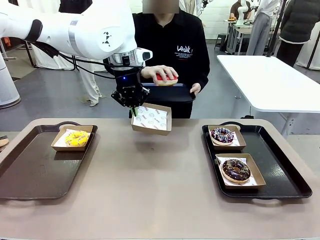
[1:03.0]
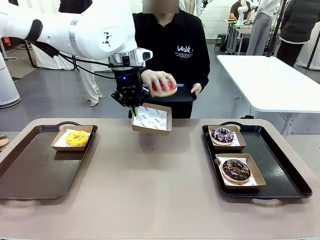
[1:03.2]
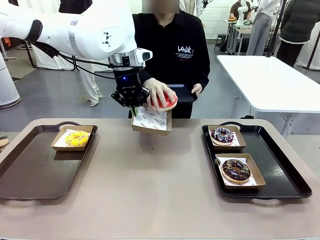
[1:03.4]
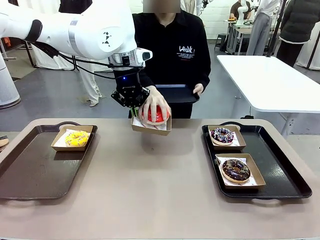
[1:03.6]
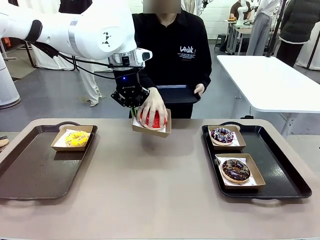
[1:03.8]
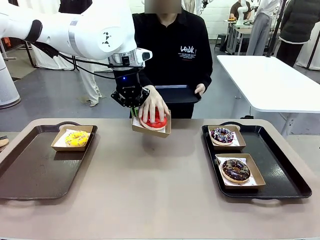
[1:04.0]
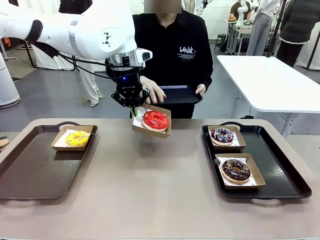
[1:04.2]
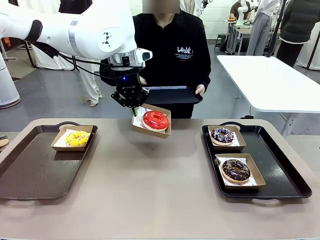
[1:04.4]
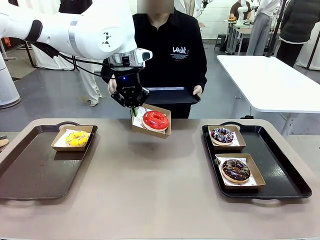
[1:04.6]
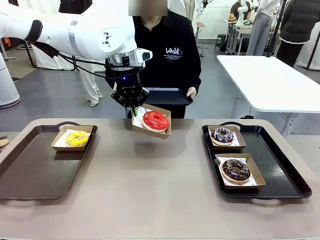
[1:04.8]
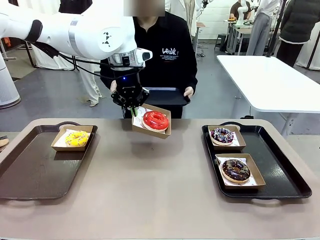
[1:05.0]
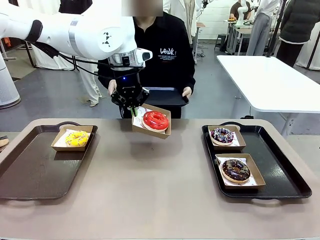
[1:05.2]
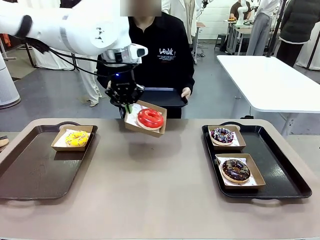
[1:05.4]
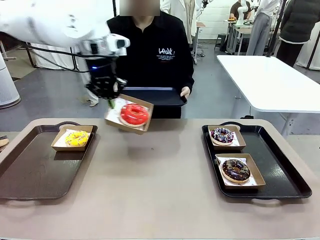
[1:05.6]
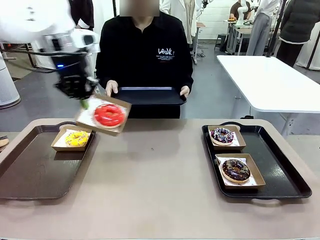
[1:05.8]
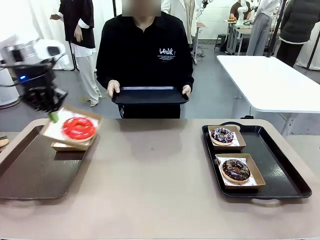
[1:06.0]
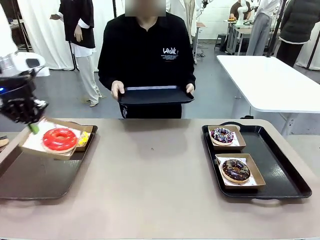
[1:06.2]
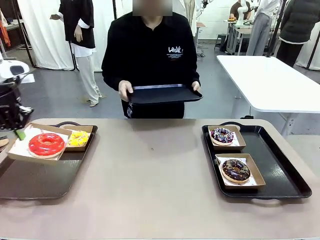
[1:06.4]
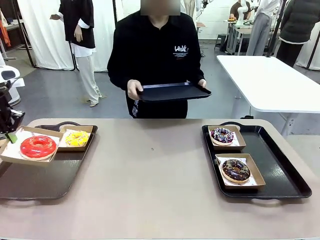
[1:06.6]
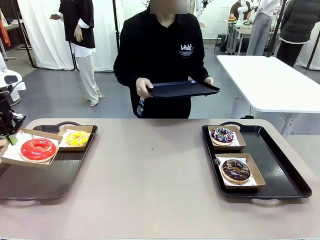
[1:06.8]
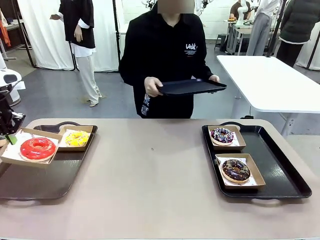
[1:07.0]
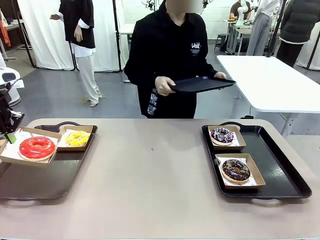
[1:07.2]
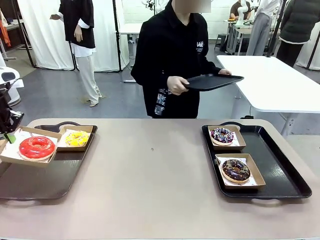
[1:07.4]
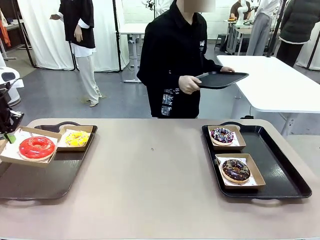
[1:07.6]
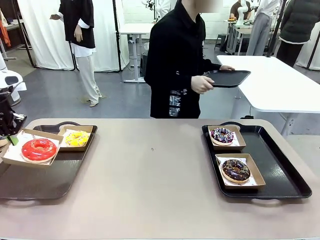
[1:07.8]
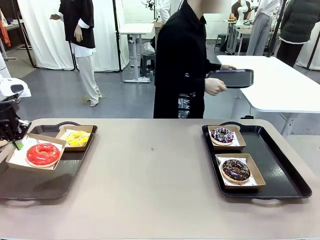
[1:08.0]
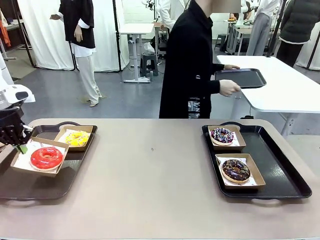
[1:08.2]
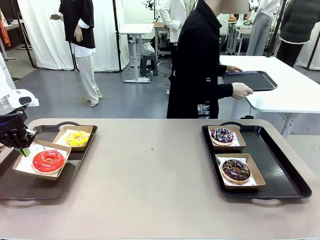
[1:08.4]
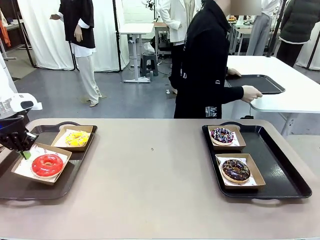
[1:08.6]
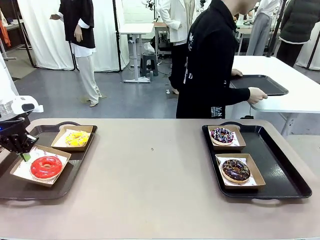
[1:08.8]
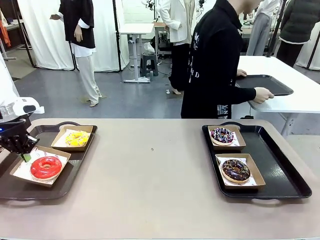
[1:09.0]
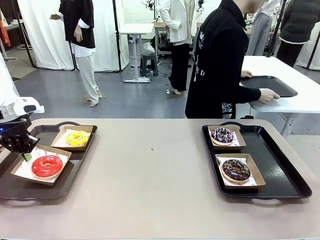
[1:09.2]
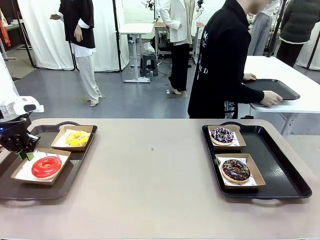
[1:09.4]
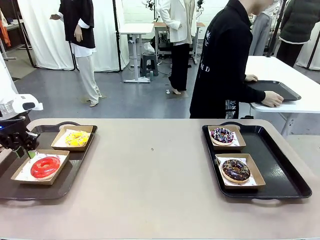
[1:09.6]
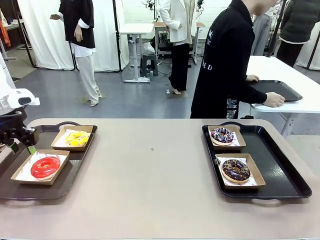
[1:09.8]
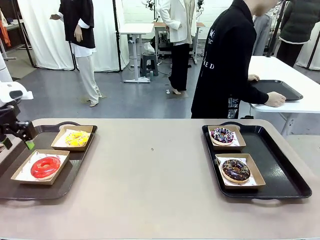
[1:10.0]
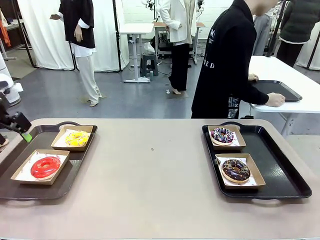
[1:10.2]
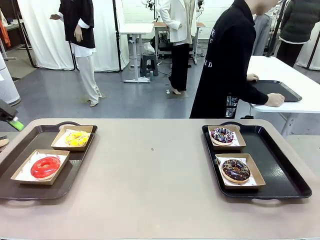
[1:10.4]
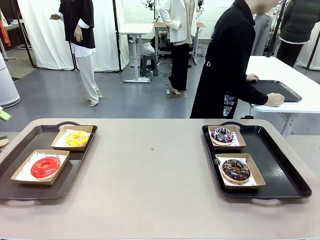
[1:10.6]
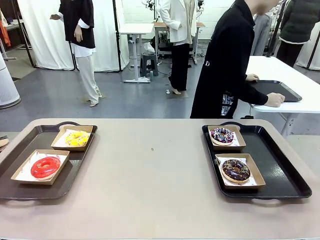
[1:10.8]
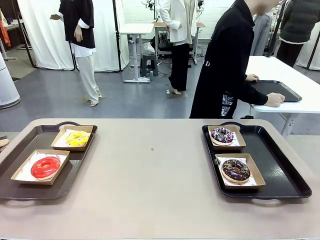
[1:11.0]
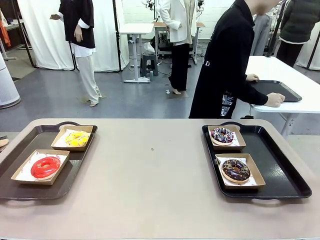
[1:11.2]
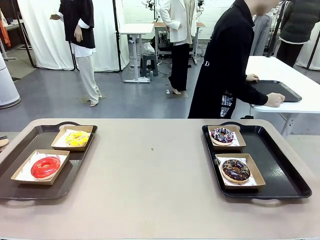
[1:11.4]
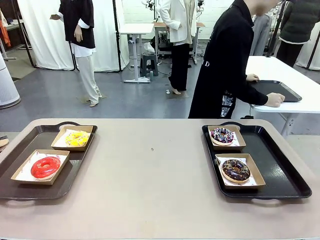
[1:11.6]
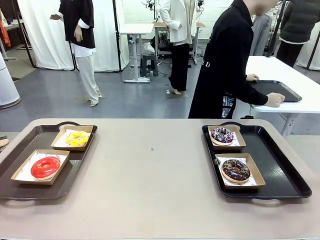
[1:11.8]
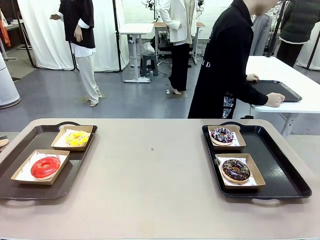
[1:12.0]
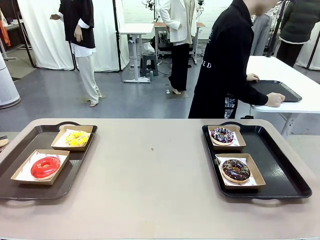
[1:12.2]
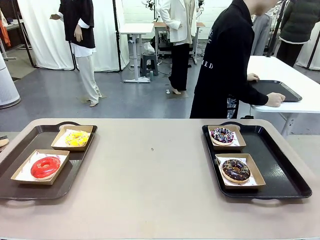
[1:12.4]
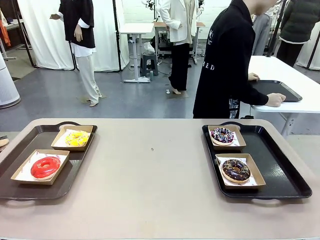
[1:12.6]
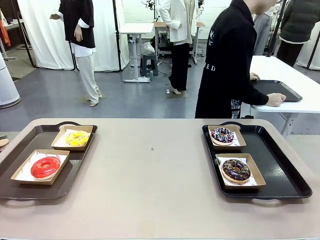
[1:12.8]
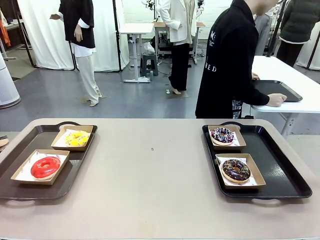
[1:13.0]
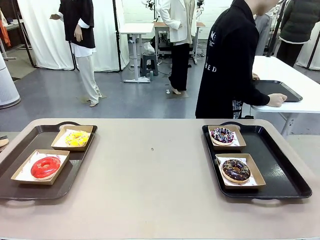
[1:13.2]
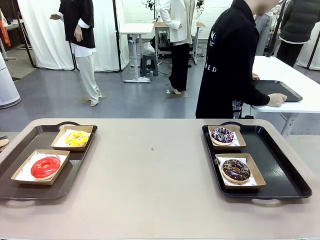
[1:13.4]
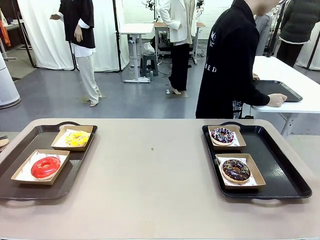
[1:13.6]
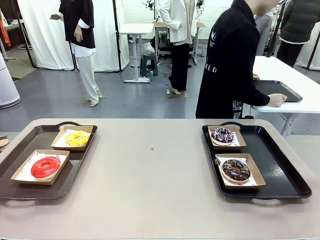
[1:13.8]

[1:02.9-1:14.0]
Task: Individually package the donuts and arrange them on the tray.
Robot: Place the picked Paper togo box on the Handle tray.
Person: Place the tray down in the middle of the human table.

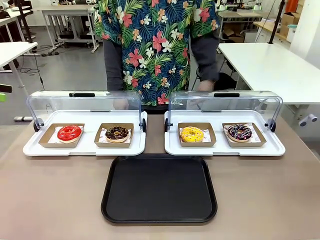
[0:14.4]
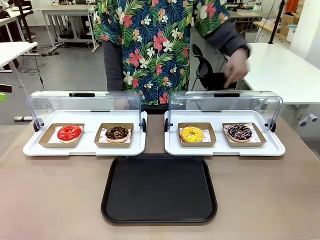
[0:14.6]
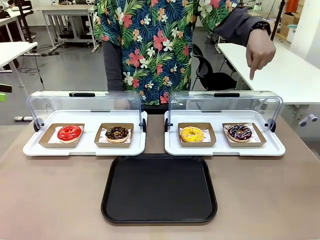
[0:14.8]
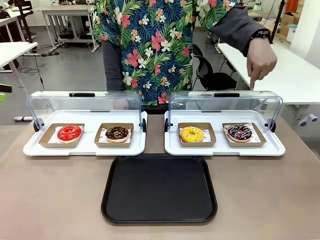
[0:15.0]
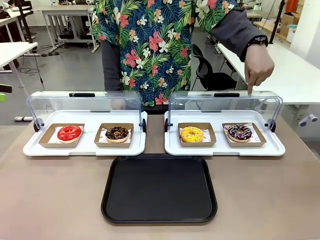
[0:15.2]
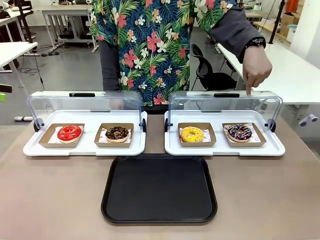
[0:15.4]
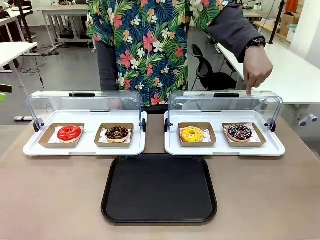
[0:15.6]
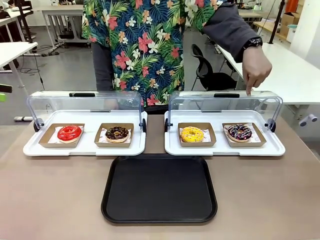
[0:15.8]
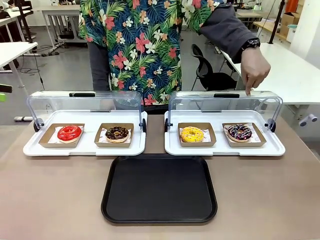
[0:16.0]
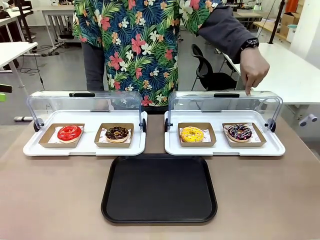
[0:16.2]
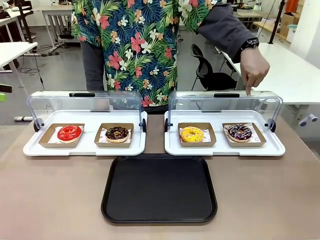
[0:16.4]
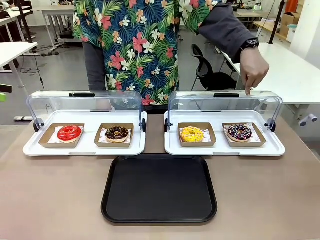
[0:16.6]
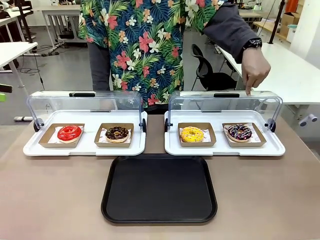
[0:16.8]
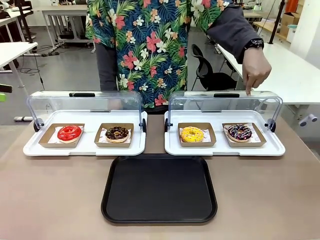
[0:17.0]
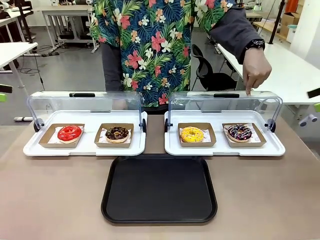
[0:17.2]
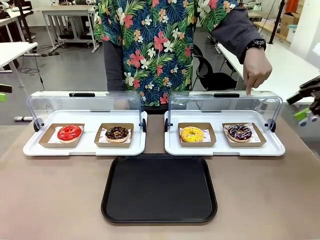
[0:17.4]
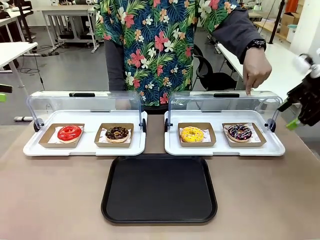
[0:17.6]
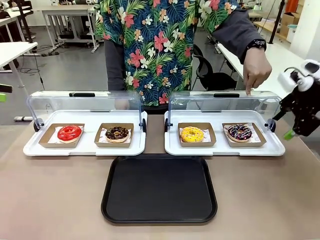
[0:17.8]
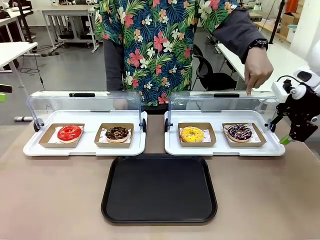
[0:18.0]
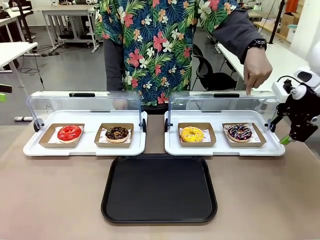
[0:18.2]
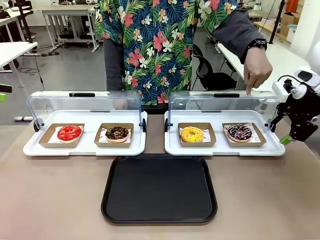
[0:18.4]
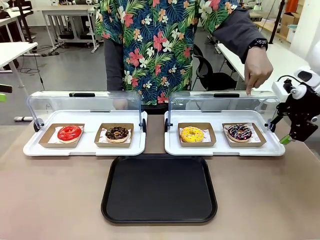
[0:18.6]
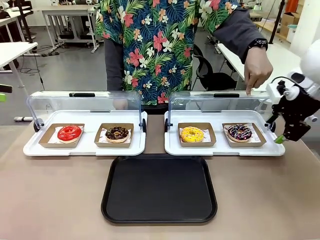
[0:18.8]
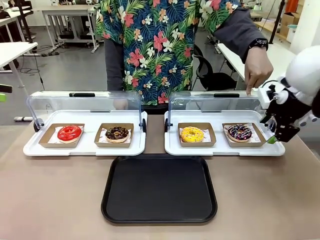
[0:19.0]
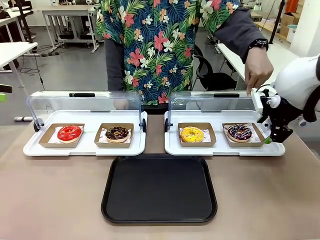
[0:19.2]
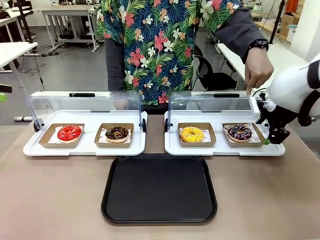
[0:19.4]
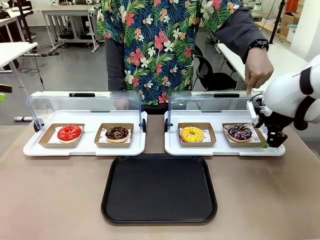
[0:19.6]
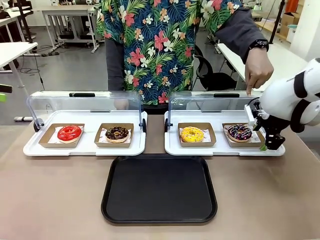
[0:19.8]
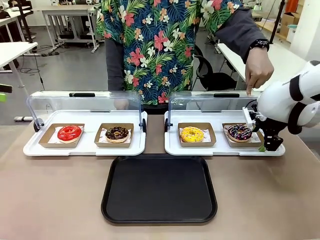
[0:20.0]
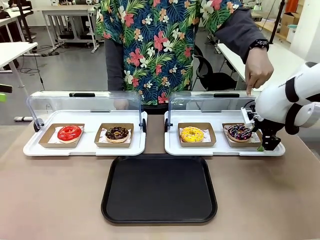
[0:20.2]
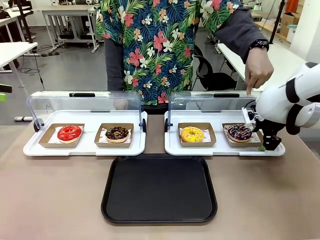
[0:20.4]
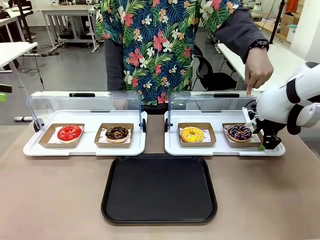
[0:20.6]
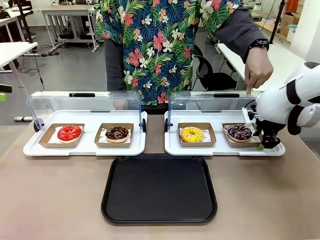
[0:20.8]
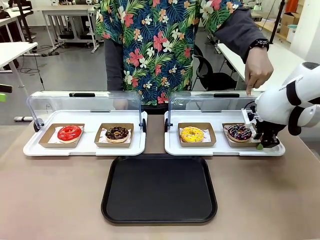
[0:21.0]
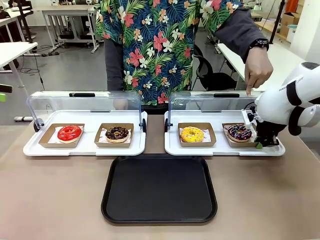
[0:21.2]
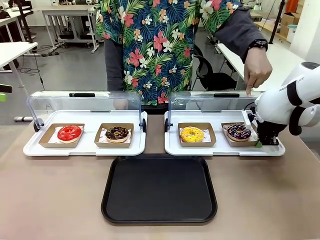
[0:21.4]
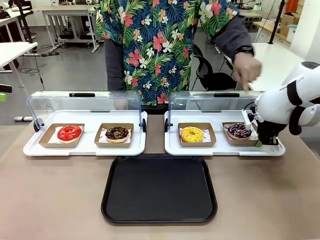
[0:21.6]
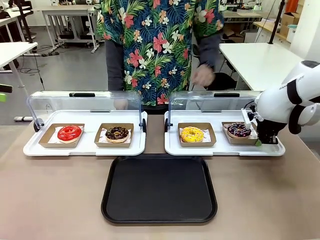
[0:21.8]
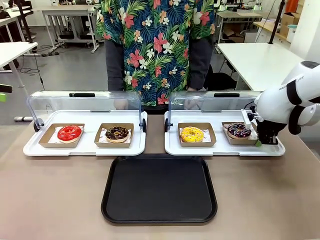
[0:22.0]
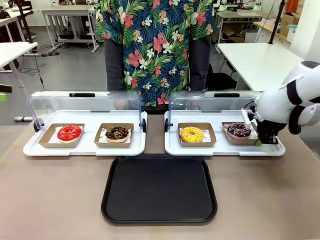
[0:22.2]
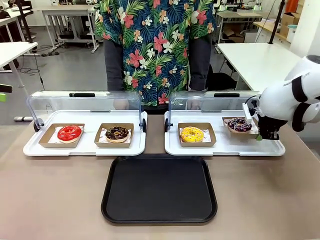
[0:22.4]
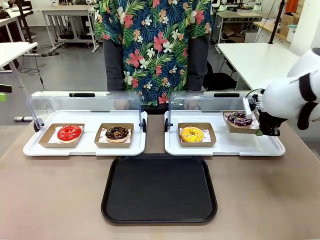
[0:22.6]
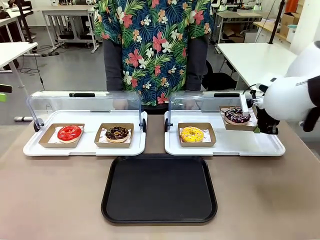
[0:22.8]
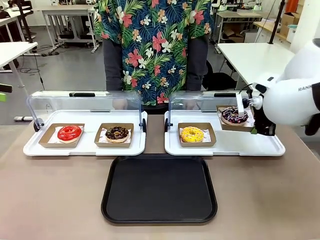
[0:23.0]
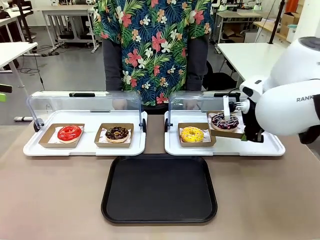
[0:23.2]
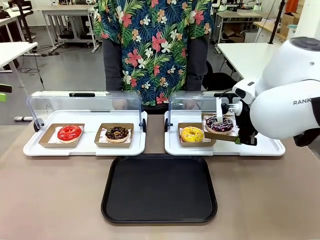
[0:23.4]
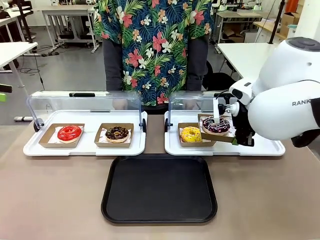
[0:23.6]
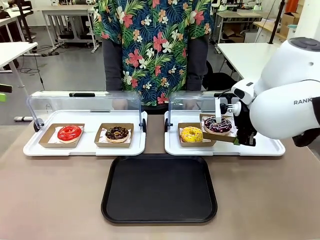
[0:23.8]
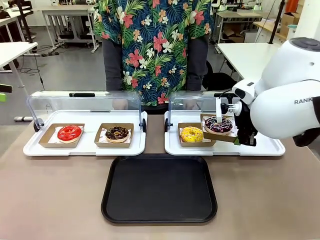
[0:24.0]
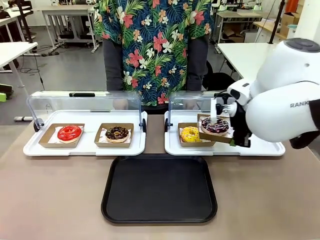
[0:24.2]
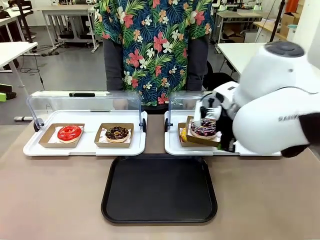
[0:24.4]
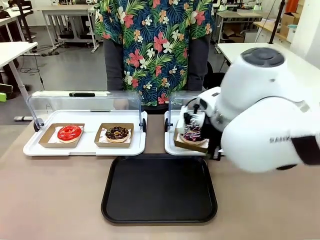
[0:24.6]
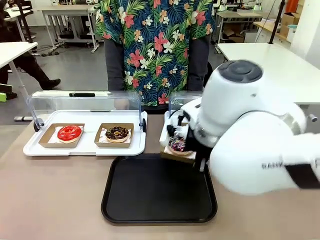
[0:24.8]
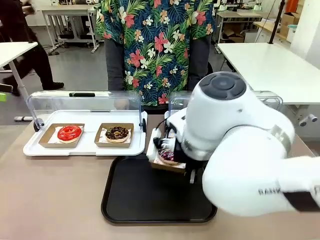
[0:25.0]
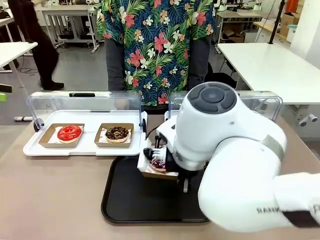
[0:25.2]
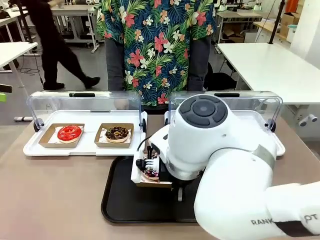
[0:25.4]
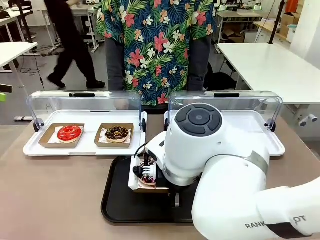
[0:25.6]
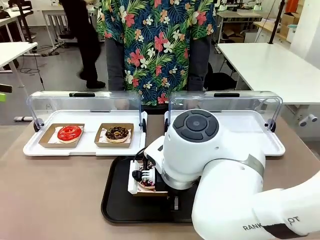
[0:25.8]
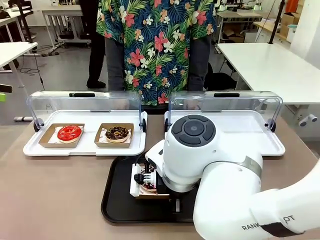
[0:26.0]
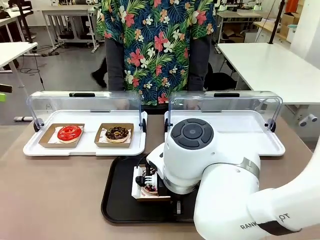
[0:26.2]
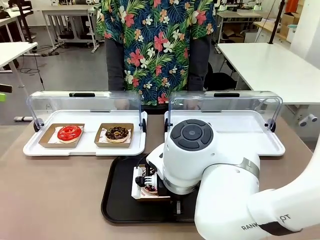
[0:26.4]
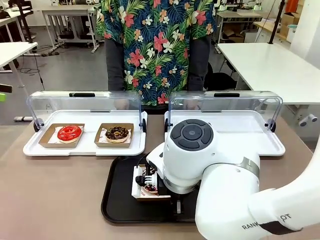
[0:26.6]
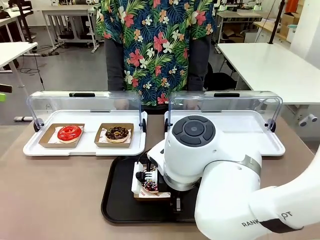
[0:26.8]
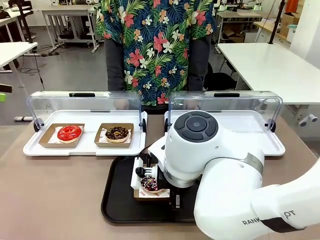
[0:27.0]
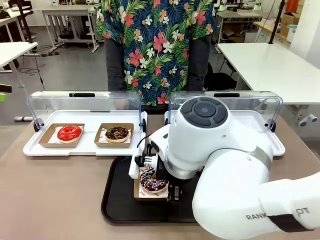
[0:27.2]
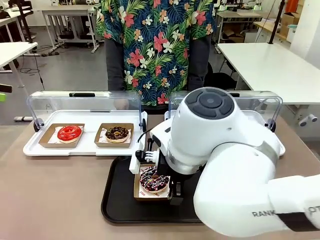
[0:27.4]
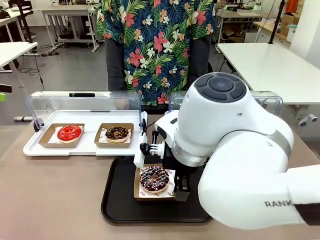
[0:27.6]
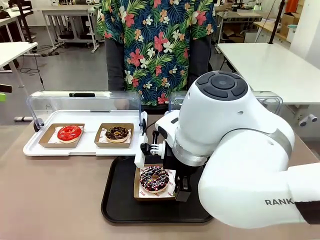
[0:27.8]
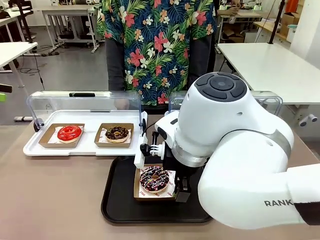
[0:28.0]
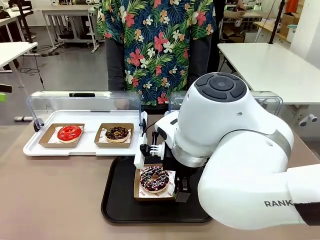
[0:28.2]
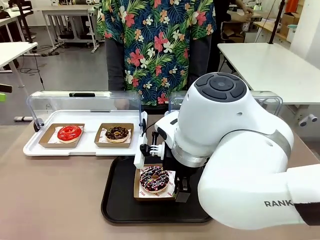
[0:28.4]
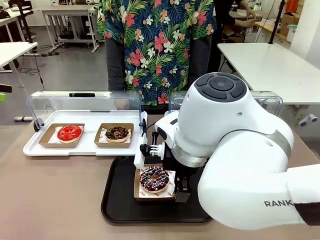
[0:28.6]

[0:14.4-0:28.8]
Task: Move the fourth donut from the left to the tray.
Robot: Pick up the Paper togo box containing the Donut indicated by the person and place it on the Handle tray.
